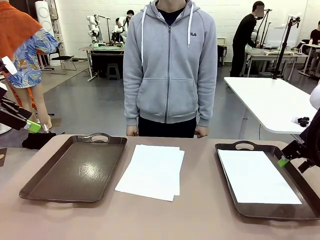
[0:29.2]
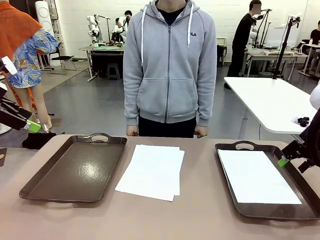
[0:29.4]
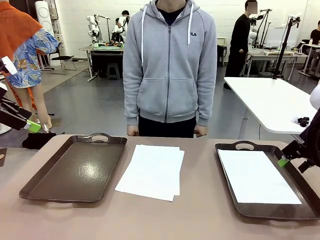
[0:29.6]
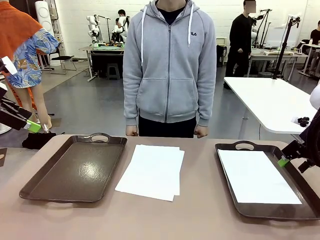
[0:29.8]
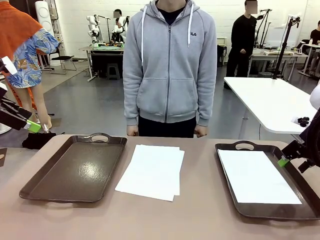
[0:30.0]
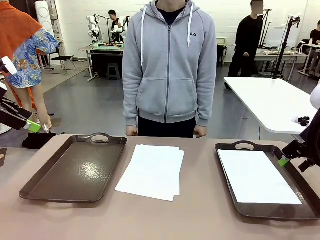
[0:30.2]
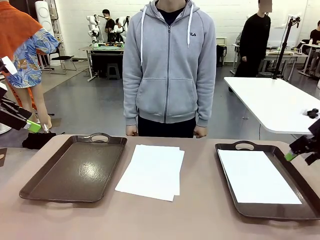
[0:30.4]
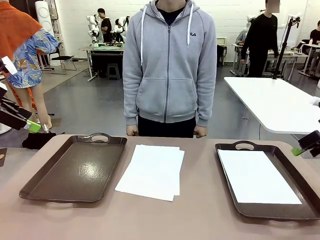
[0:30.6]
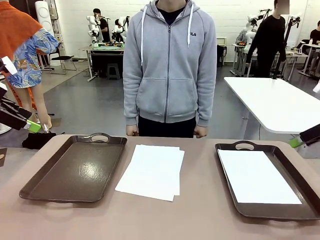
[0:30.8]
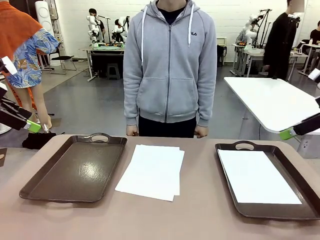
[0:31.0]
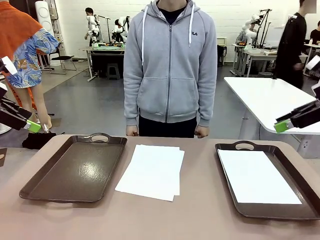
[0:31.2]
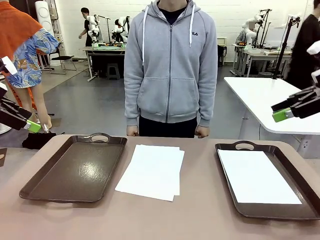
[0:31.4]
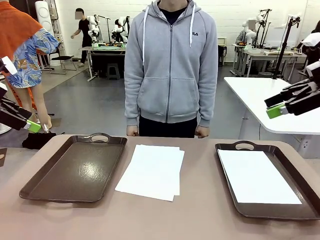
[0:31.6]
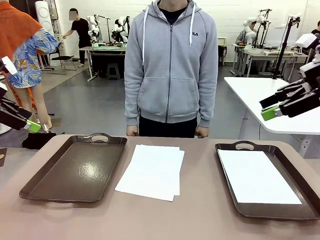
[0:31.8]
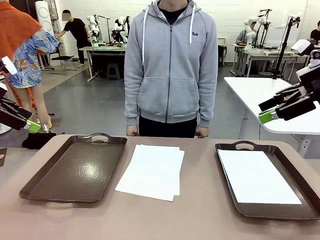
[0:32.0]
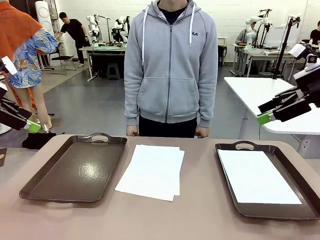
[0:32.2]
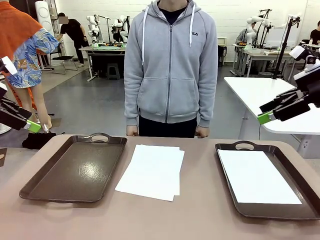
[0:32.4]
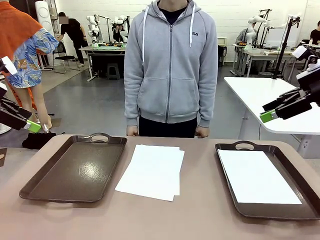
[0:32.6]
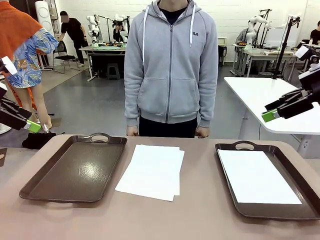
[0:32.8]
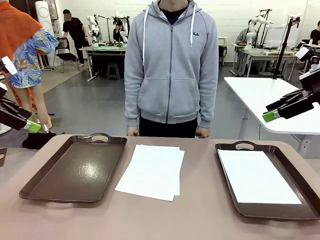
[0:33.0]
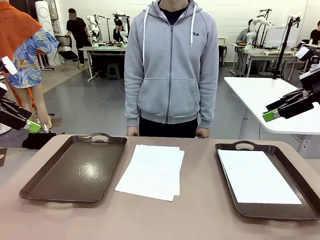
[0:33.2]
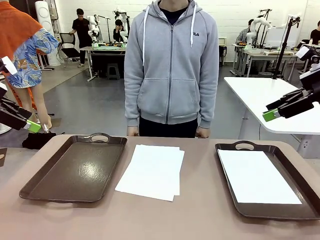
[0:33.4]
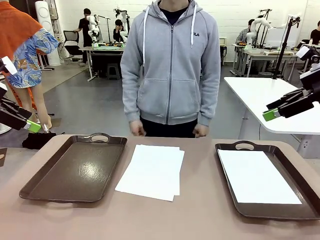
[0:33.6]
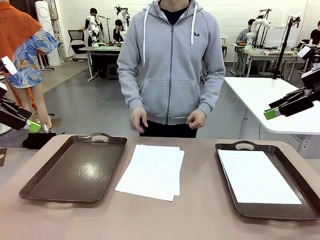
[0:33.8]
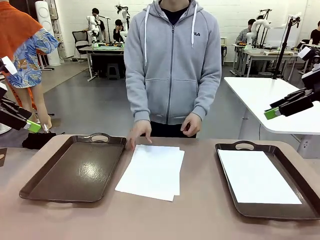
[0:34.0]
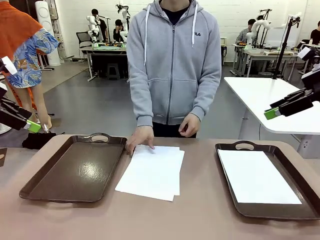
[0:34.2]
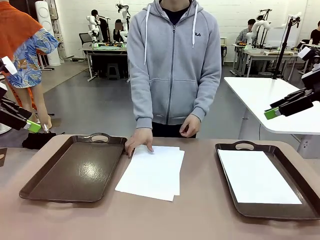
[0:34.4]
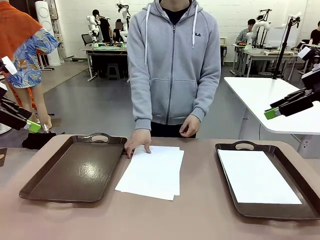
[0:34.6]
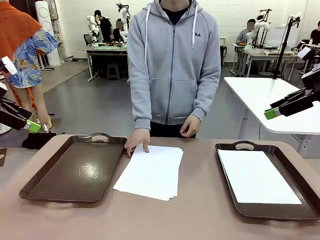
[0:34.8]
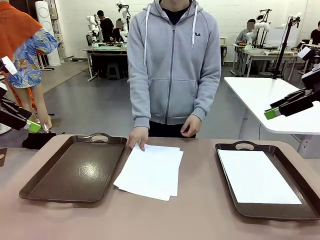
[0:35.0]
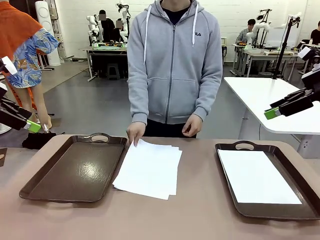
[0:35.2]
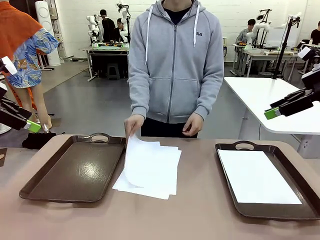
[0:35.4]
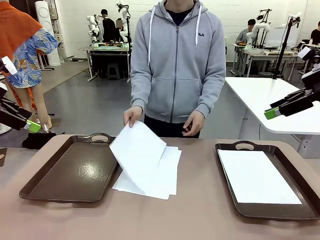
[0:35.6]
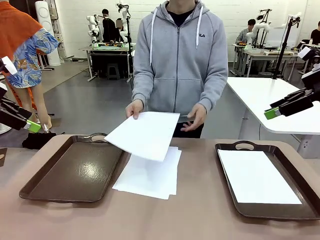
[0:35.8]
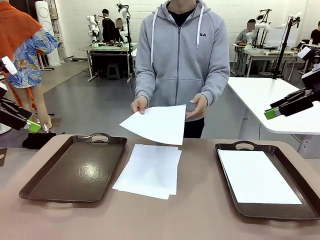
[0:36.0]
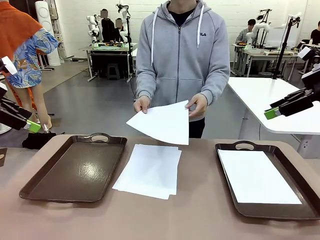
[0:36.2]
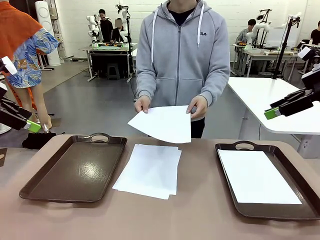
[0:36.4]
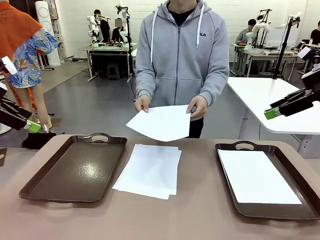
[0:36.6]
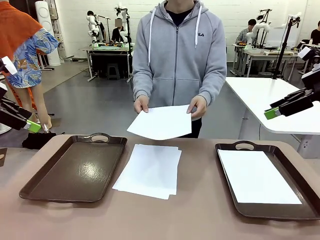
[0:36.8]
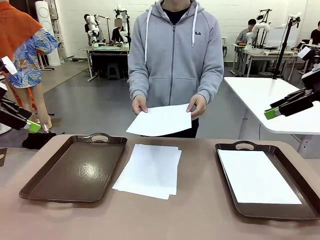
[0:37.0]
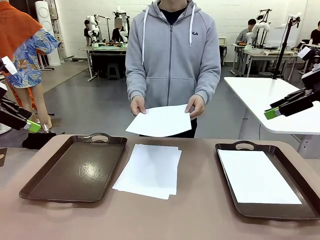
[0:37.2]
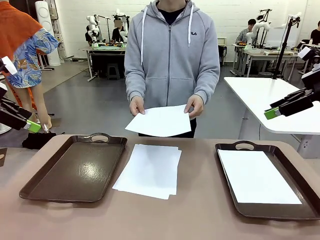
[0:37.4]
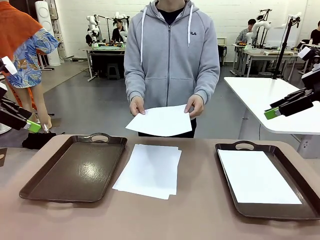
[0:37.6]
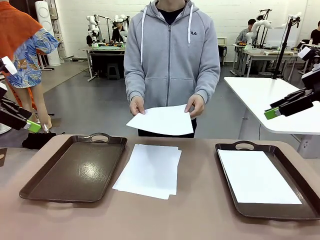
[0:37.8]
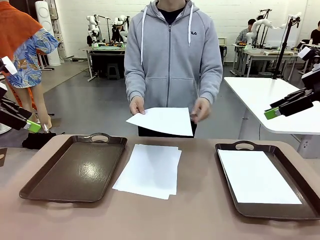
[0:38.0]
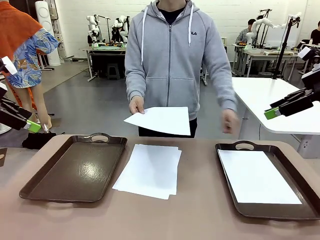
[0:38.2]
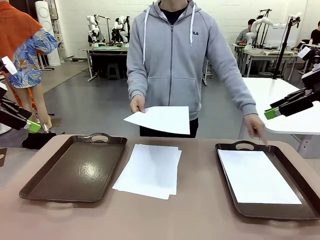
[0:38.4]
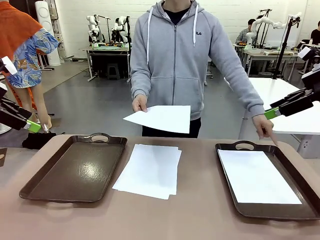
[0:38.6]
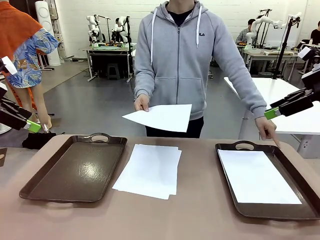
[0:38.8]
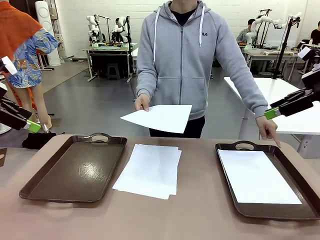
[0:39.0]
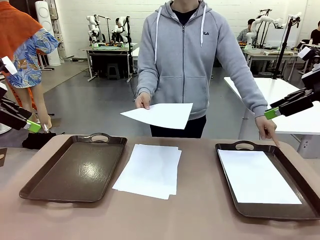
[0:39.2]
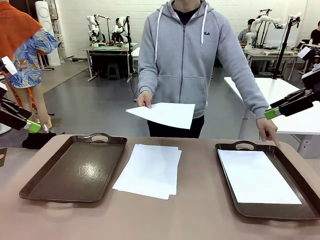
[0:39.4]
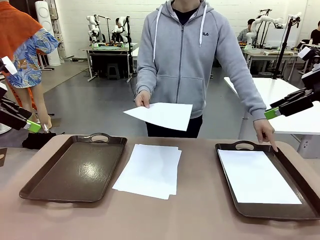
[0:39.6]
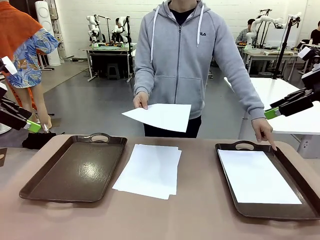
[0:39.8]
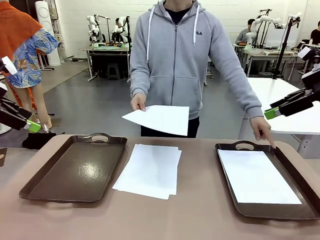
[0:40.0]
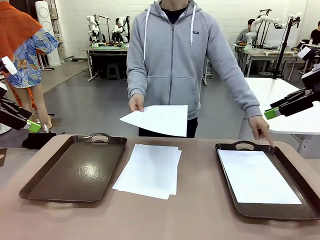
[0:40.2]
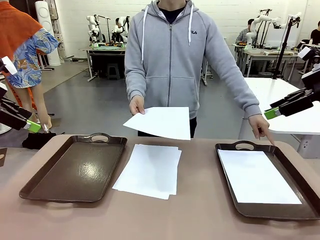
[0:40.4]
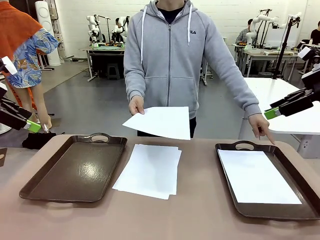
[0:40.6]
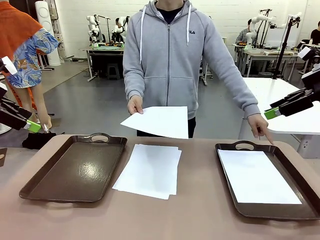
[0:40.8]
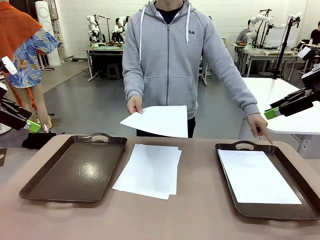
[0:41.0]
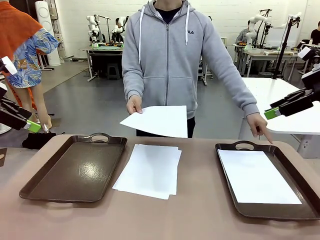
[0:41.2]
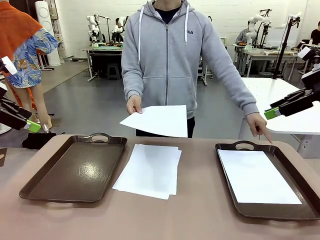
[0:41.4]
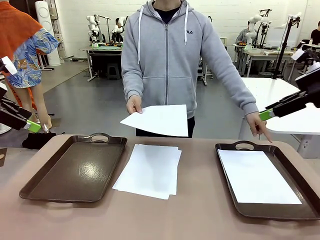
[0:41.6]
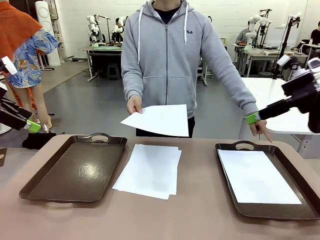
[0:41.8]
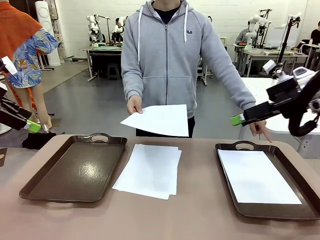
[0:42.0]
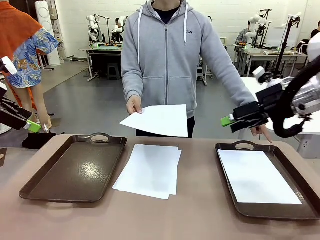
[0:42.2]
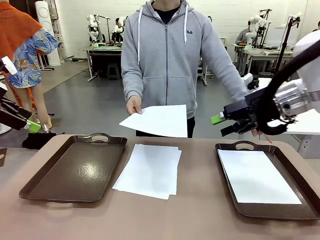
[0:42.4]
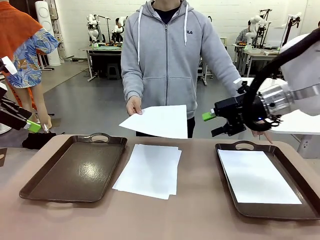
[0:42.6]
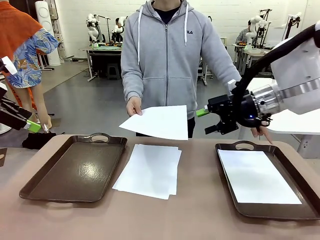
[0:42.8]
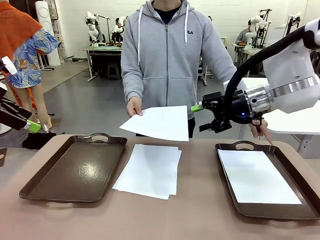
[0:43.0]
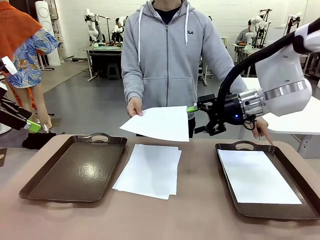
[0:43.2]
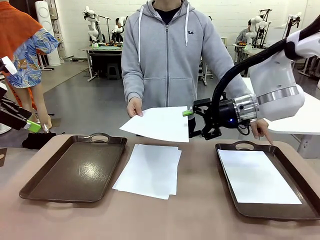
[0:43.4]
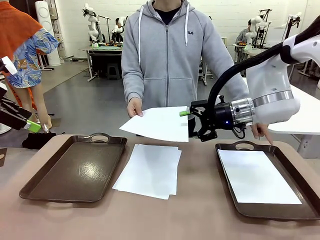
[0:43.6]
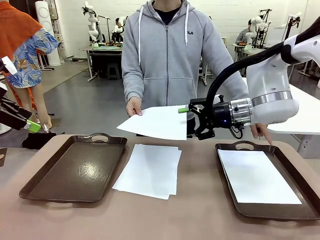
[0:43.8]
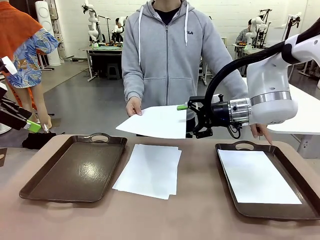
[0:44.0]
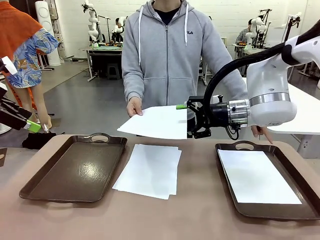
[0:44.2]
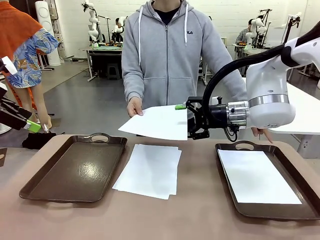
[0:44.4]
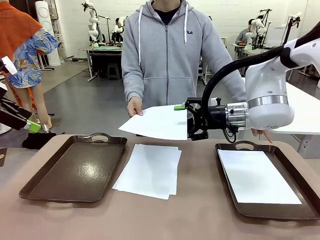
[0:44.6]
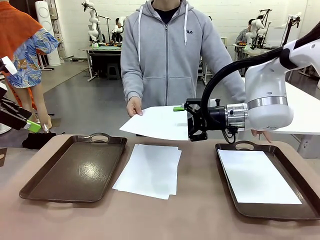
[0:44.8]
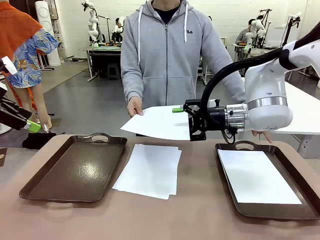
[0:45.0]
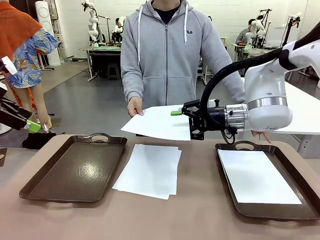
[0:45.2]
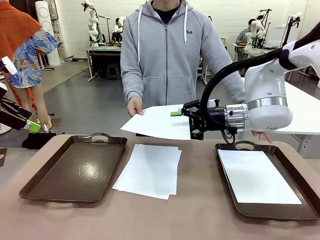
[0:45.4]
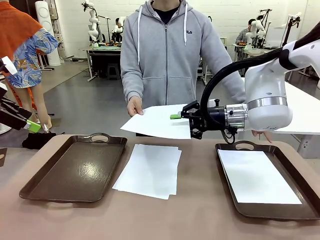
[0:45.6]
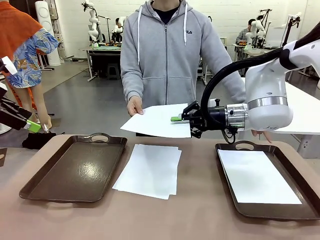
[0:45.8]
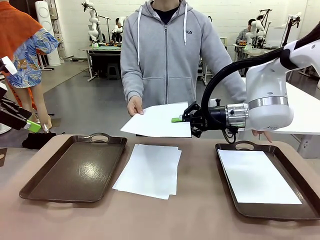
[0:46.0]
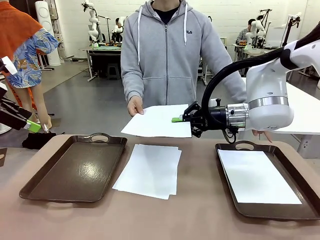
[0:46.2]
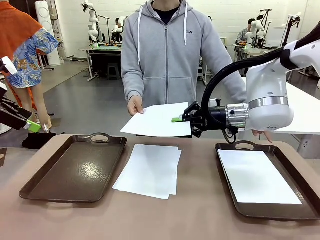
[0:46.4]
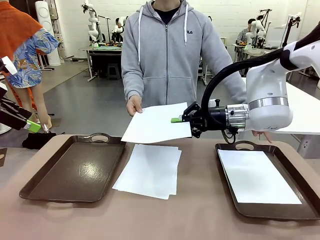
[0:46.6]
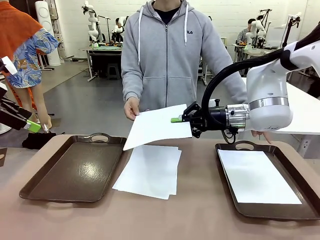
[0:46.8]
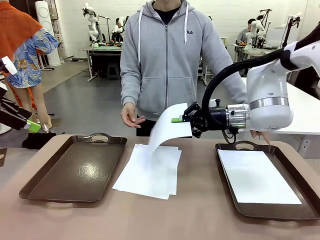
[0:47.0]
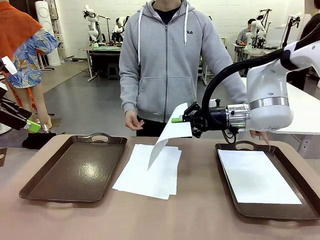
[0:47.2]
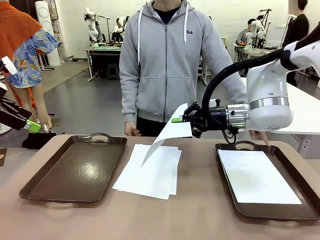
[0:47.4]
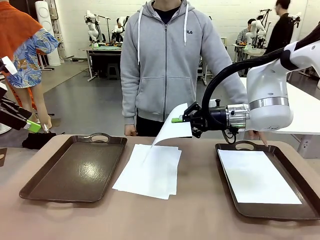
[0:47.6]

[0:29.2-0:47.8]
Task: Sort the A4 documents.
Robot: Receive the A4 Paper.
Person: Point the randomly selected tray with the other hand.

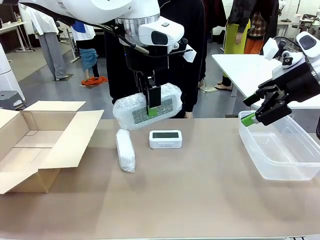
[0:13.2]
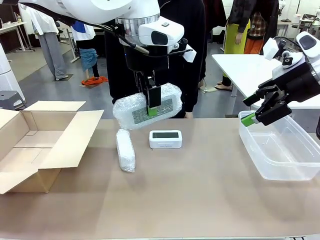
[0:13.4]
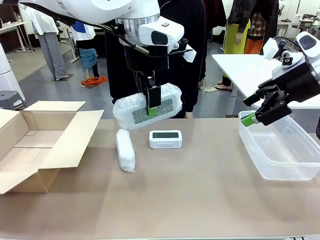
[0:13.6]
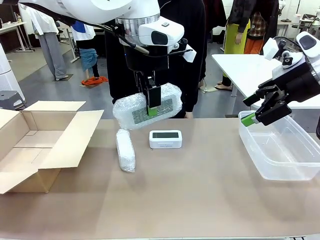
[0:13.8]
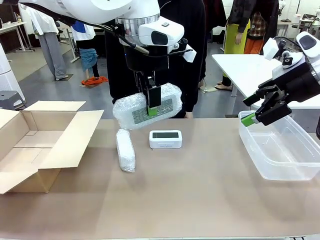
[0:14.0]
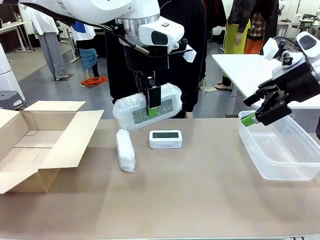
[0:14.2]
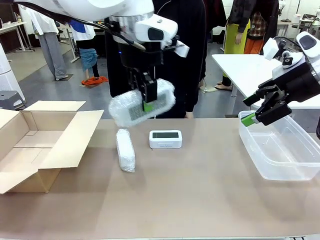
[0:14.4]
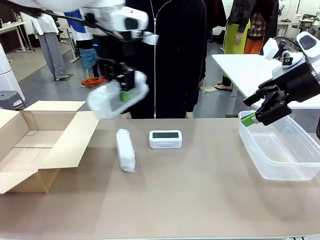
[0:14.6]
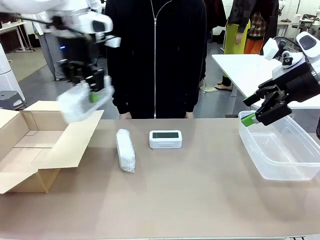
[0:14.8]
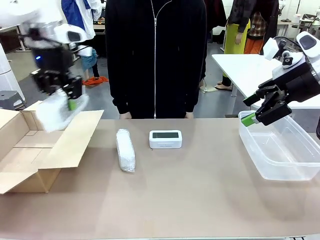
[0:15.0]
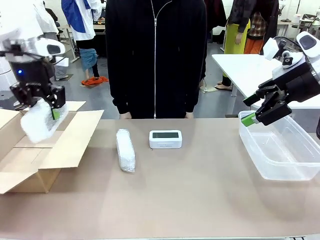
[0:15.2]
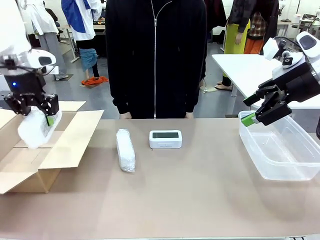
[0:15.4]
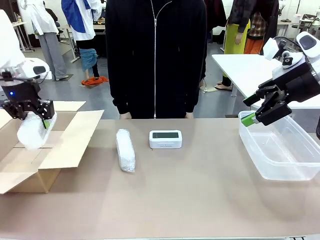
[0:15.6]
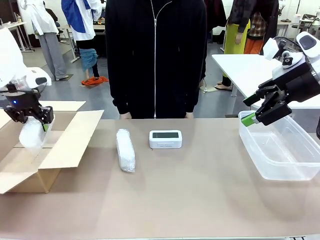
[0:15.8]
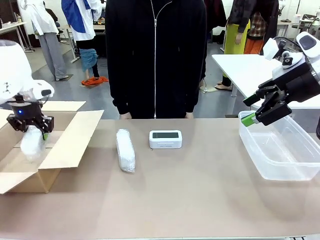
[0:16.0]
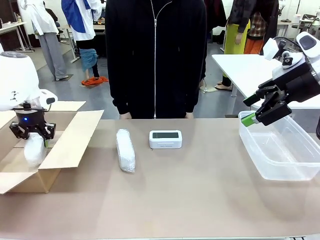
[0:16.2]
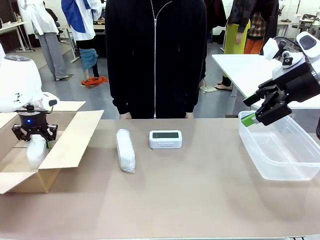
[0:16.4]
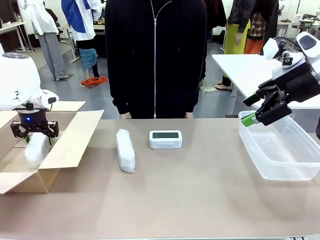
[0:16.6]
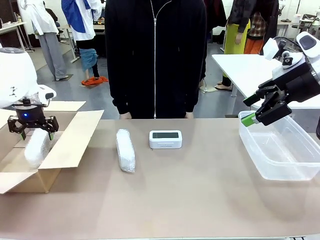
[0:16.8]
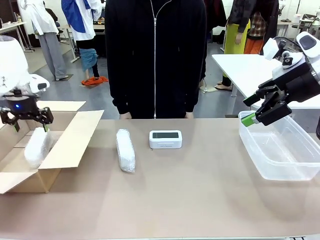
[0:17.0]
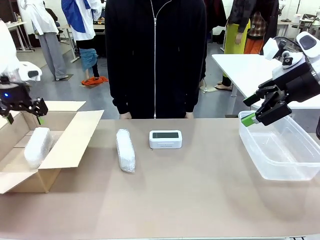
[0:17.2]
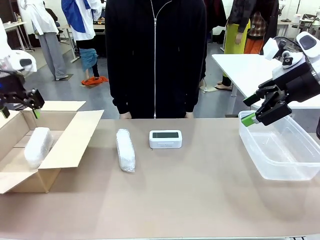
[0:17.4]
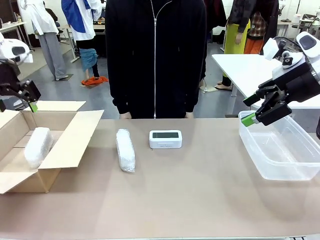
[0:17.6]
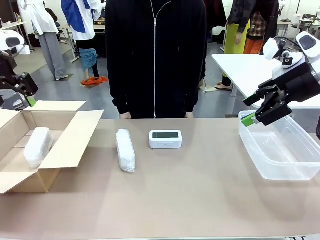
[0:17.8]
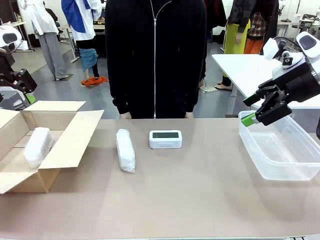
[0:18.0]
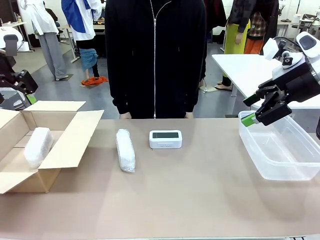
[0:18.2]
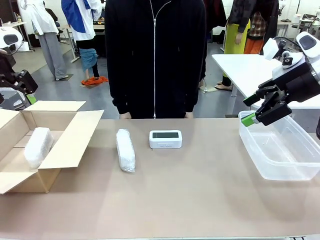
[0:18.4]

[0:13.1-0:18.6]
Task: Separate and place wrapped and unwrapped clocks.
Robot: If the picked Digital clock is wrapped, place it in the Package Box ; if not, place it in the Organizing box.
